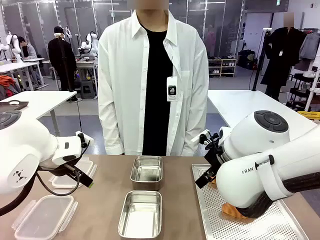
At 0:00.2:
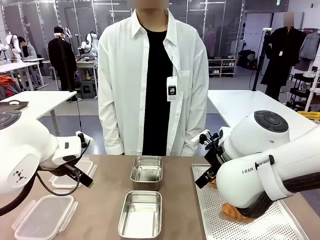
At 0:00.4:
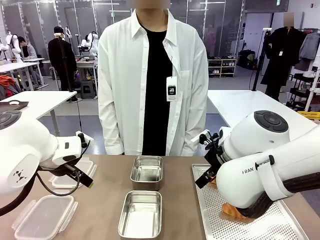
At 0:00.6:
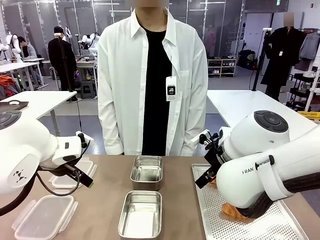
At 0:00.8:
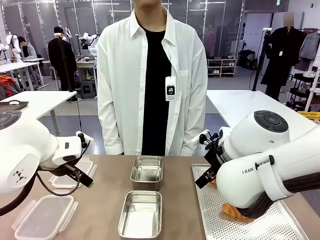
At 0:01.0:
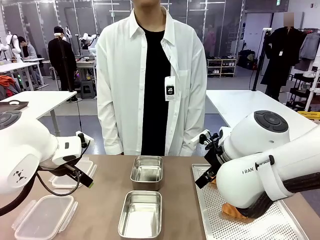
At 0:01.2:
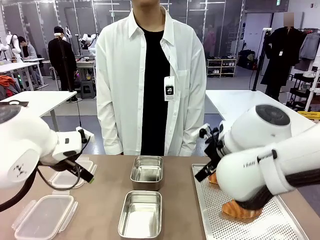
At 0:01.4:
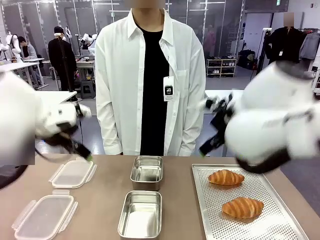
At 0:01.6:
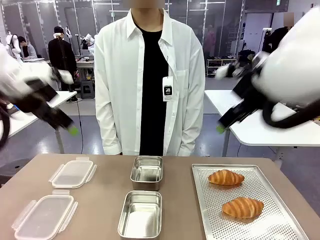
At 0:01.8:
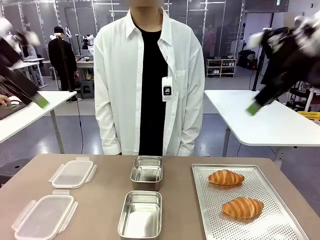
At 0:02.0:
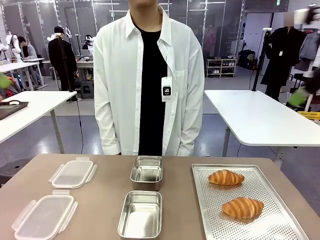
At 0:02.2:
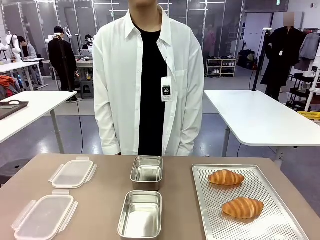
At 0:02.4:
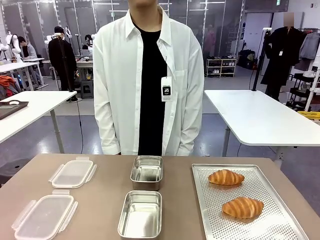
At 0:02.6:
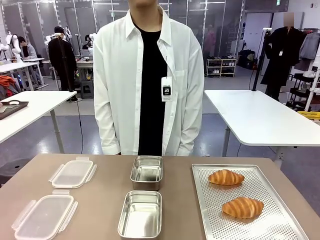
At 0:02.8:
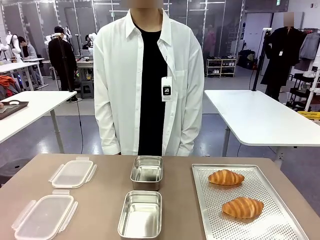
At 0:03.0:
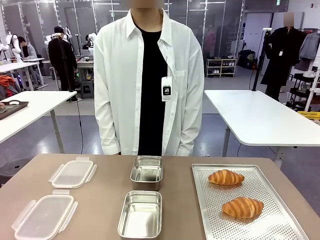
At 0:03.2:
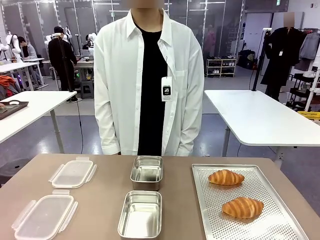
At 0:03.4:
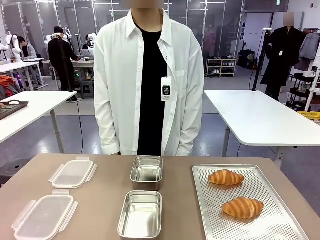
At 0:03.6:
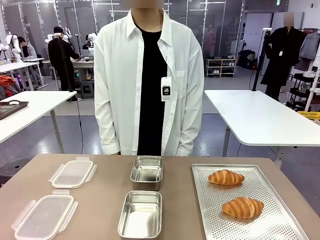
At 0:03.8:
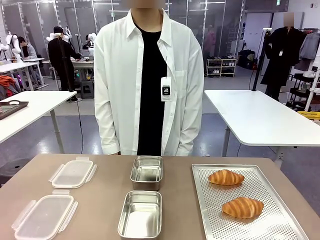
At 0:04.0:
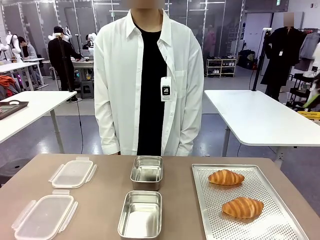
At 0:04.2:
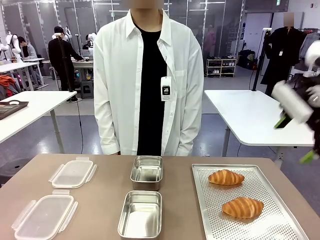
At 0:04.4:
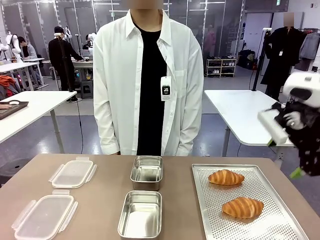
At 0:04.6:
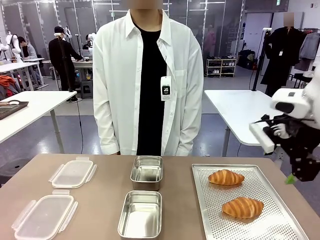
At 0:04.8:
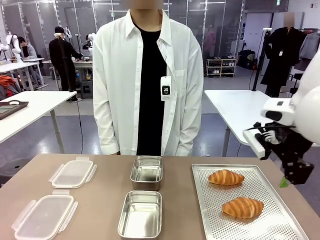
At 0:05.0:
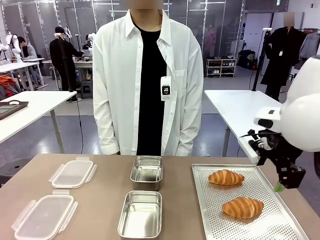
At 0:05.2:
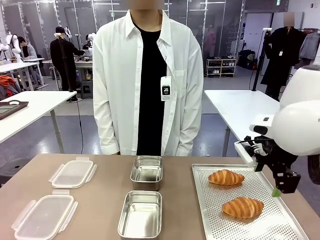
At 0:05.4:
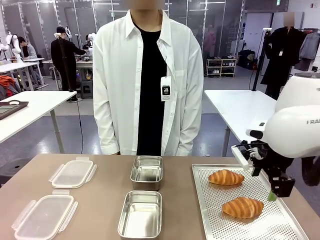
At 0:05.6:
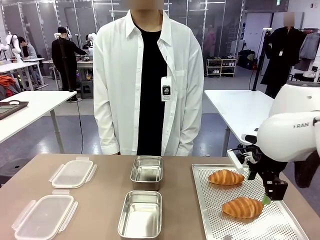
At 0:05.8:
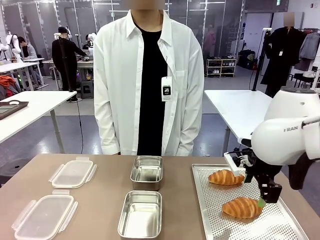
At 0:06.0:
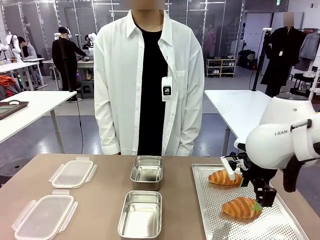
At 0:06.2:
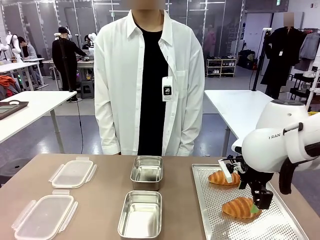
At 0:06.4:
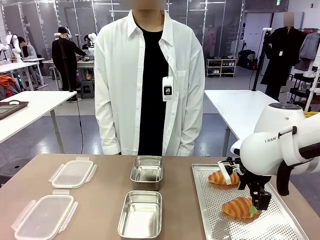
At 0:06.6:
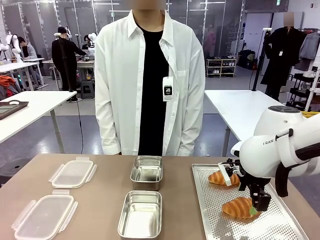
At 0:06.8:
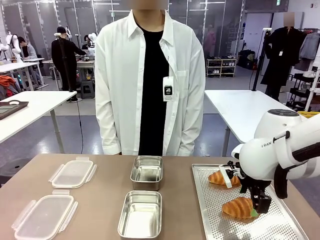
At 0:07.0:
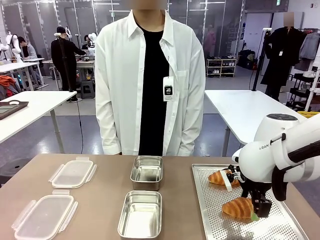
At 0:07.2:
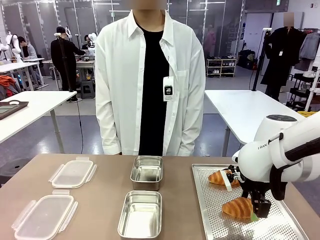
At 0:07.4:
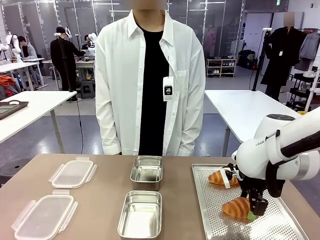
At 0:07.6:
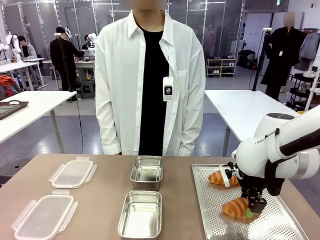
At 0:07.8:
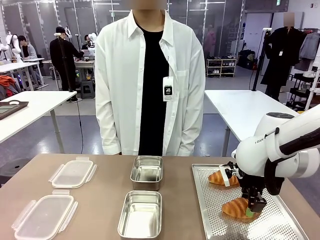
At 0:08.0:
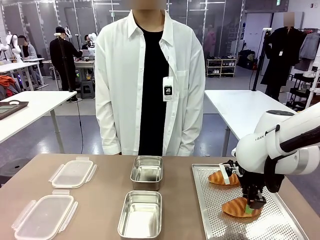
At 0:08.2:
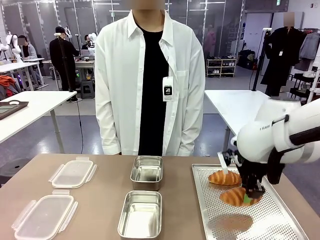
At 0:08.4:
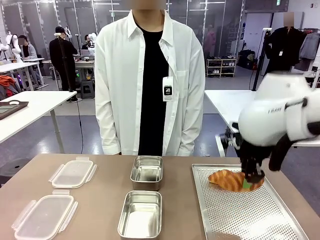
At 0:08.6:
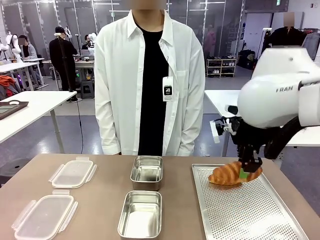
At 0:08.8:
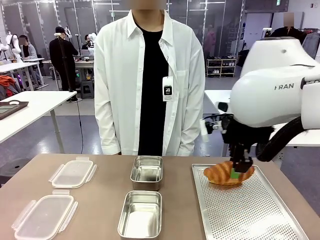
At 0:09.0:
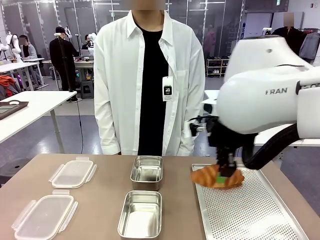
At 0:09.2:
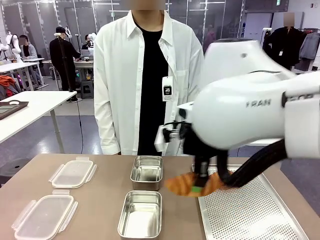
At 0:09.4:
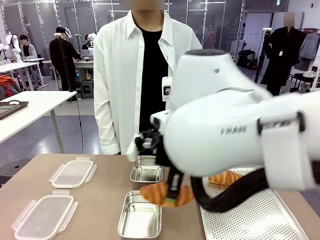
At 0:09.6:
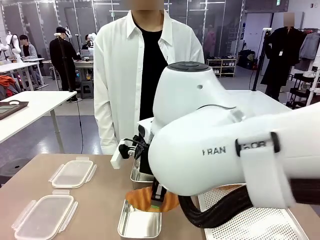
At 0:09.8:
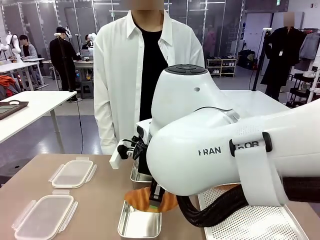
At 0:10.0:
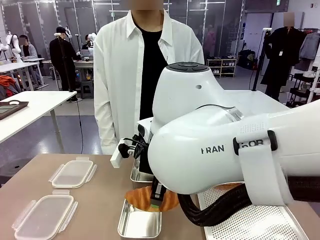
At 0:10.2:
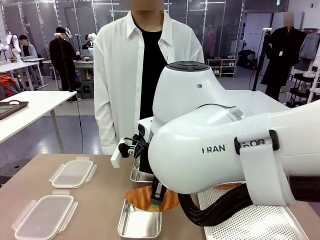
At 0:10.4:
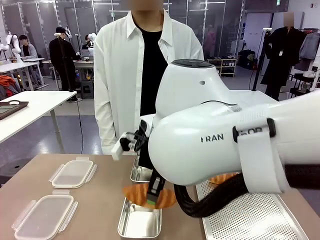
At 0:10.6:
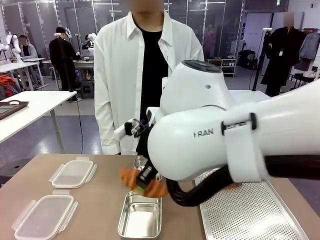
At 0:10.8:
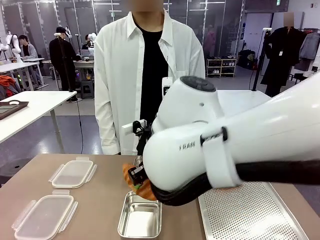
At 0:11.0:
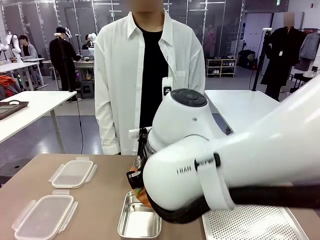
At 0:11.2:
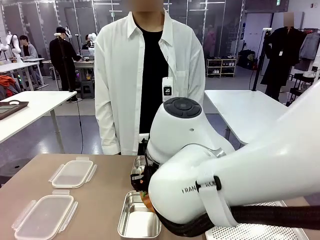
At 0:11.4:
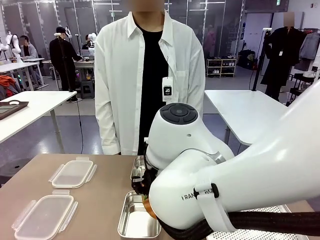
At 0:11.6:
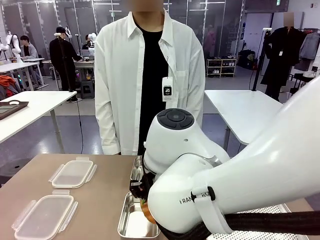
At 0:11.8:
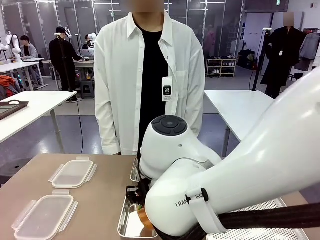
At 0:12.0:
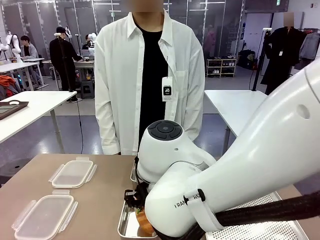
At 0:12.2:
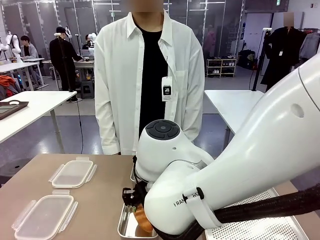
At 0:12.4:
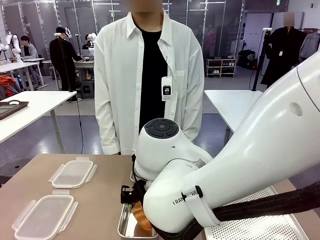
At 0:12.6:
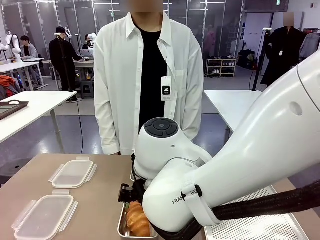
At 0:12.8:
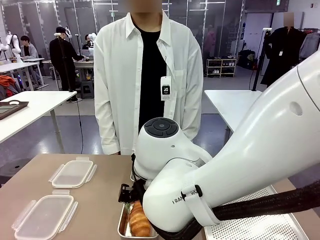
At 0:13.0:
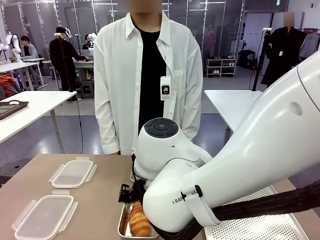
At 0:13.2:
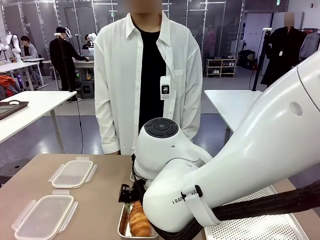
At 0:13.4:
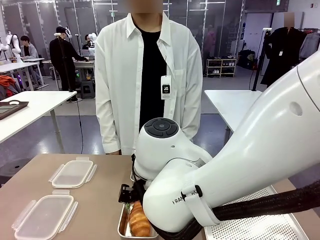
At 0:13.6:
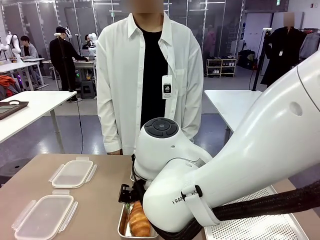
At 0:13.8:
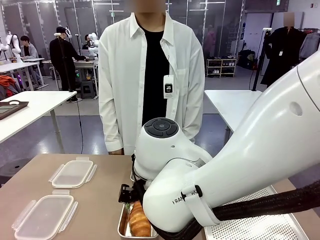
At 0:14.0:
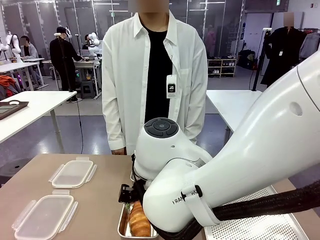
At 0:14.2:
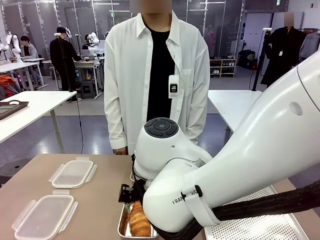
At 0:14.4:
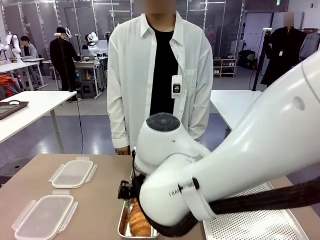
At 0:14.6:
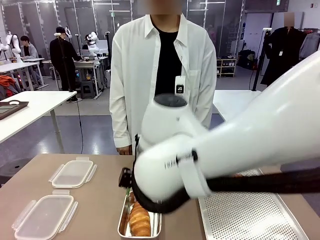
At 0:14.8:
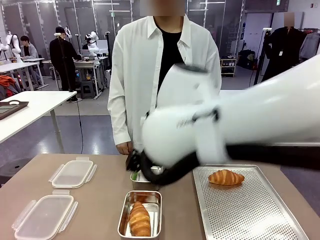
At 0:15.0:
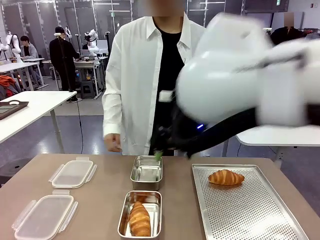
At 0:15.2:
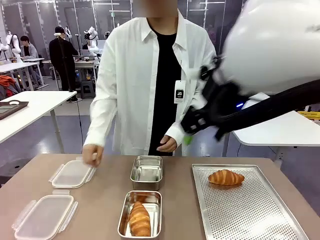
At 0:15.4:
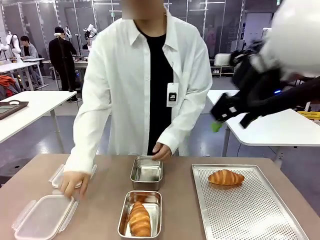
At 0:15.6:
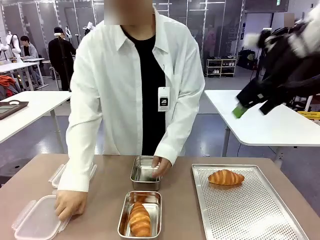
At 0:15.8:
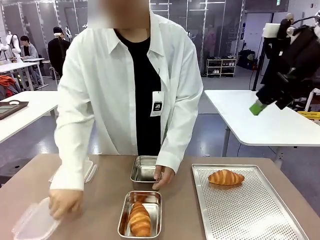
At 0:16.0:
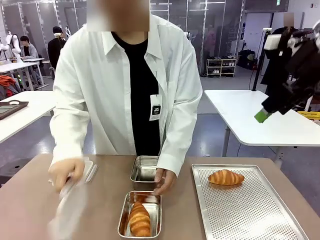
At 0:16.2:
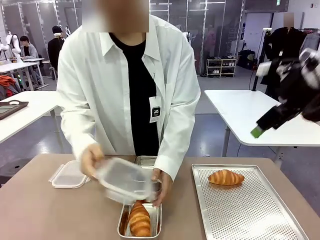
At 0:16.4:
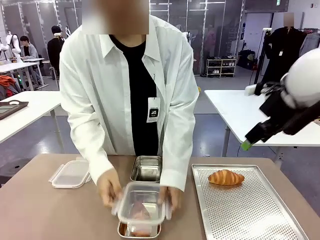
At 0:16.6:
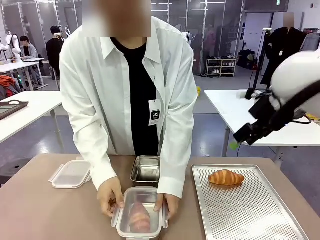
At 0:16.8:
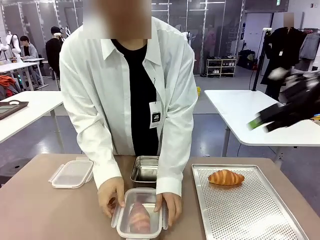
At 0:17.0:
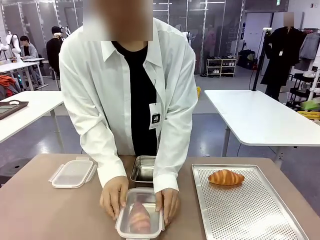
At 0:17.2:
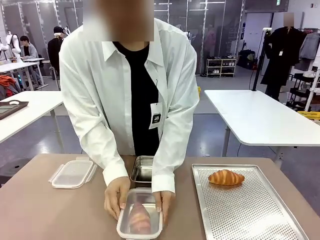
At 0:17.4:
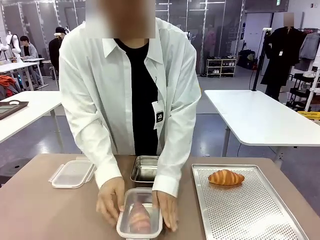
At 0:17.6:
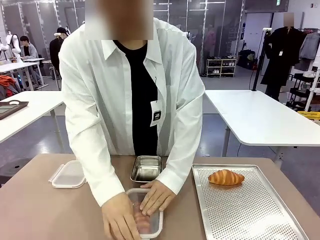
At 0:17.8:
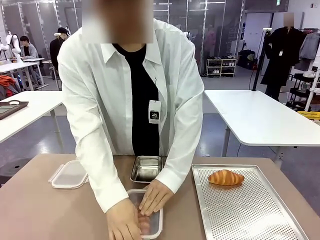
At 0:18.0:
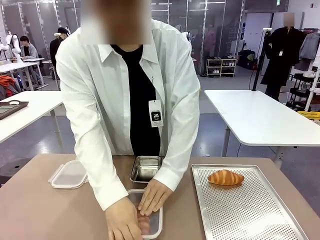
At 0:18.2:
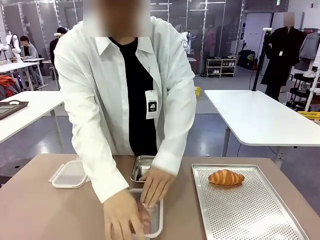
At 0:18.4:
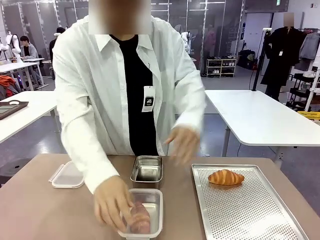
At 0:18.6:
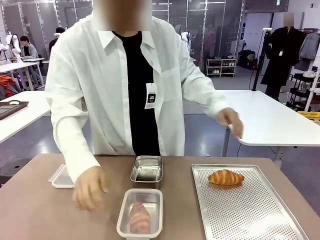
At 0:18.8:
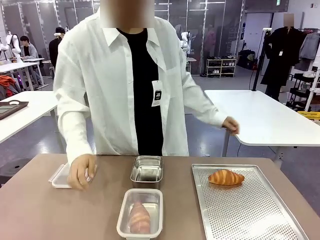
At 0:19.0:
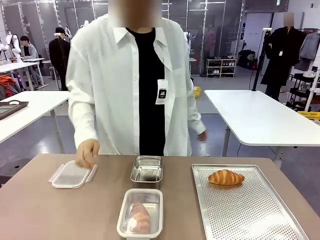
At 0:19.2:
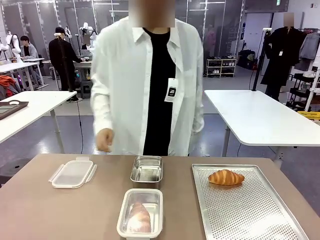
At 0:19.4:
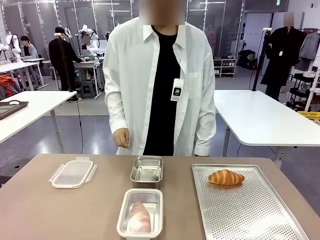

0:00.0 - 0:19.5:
Task: Place the bread into the airtight container.
Robot: Pick up a Butter Roll and place it into an empty Airtight Container.
